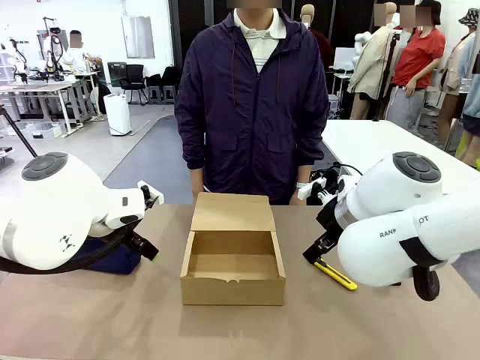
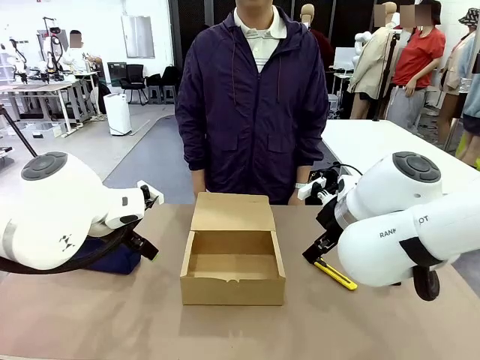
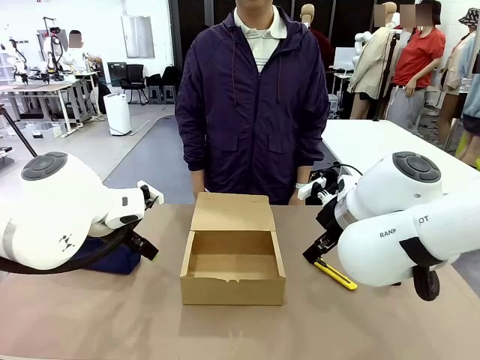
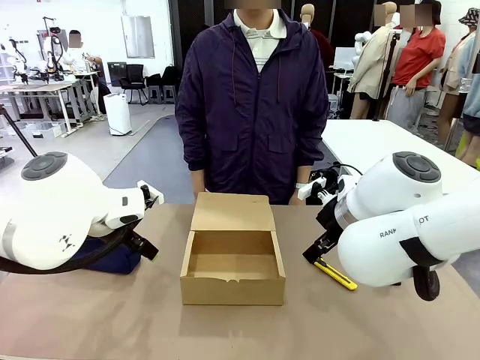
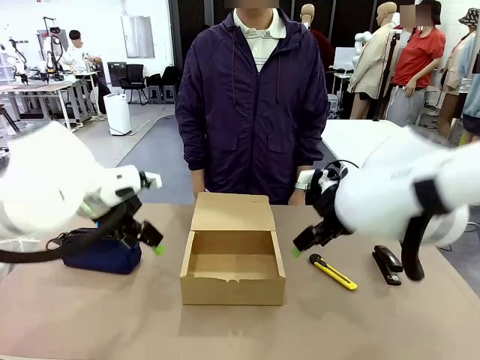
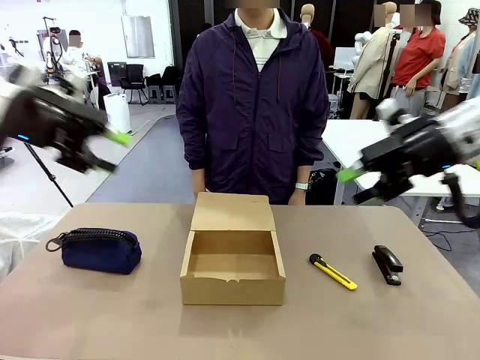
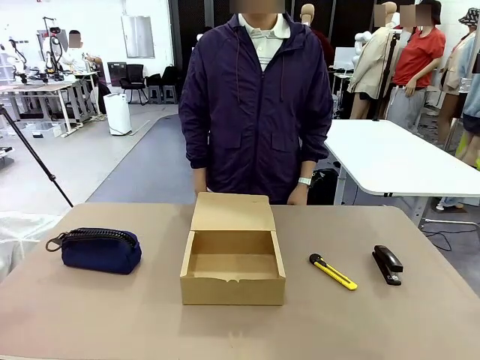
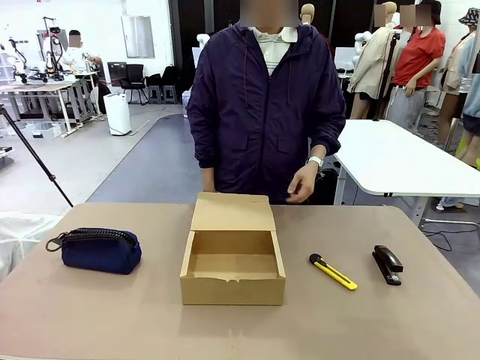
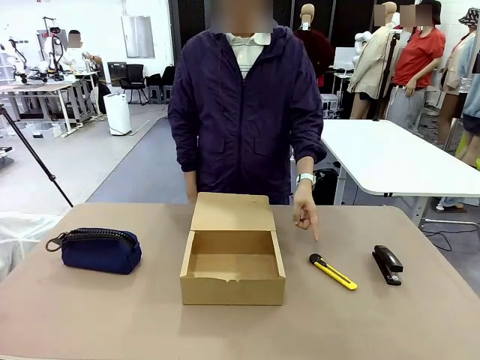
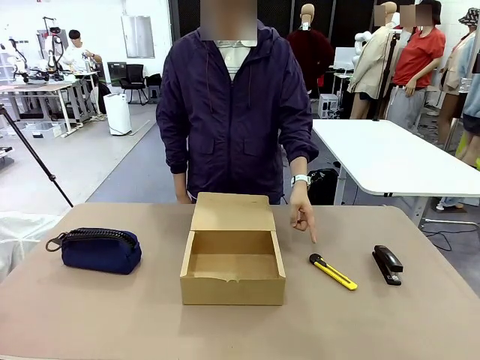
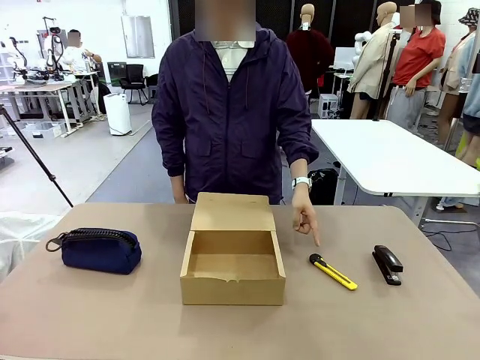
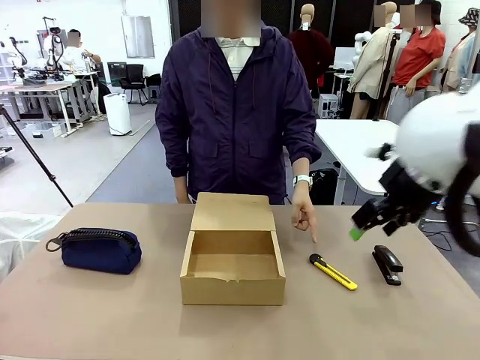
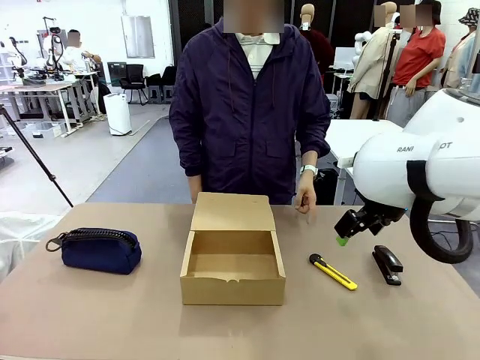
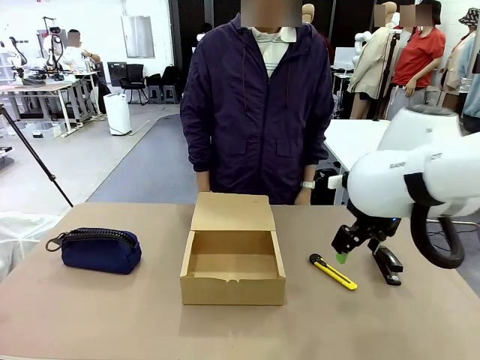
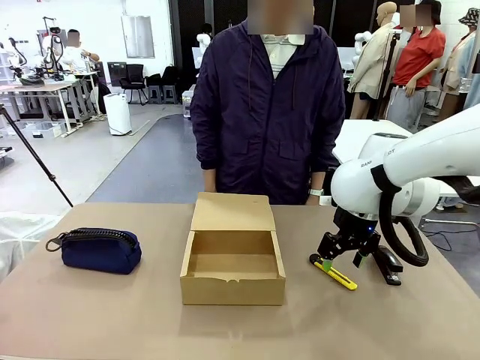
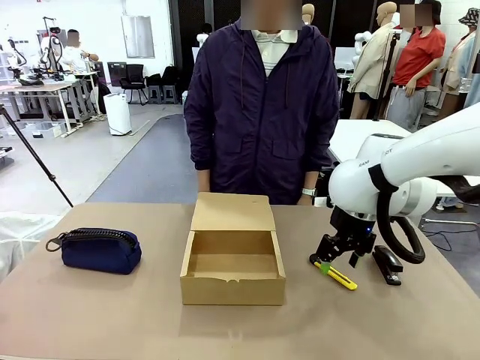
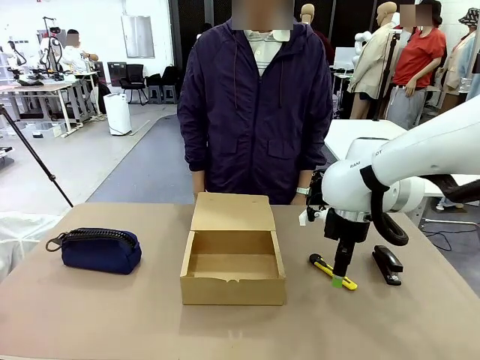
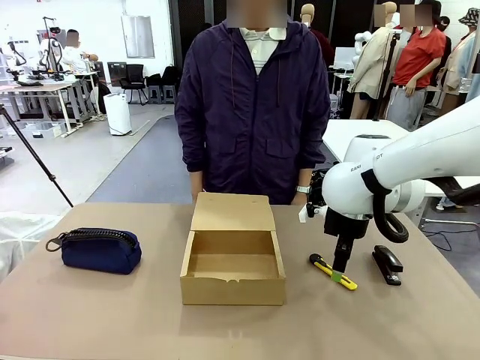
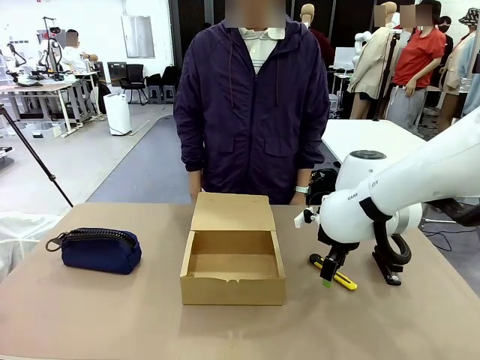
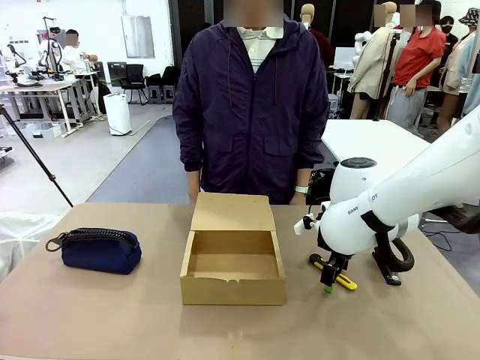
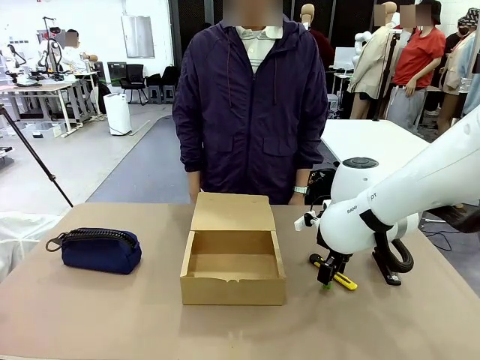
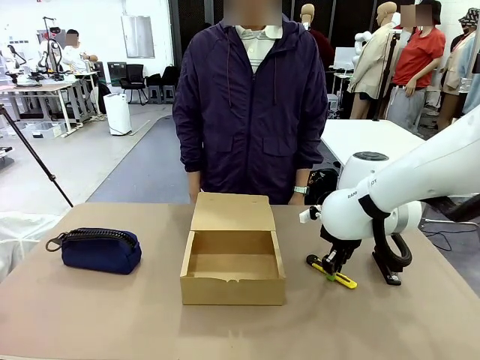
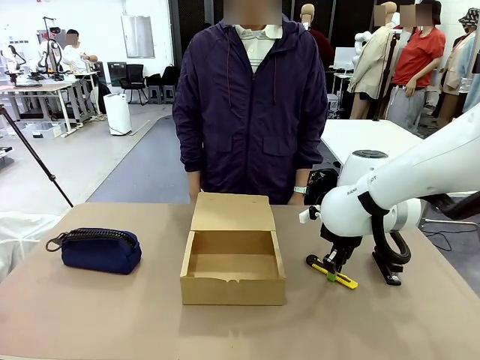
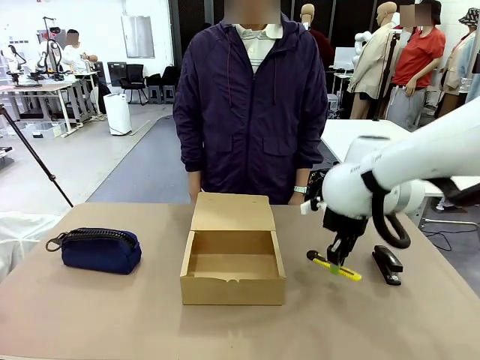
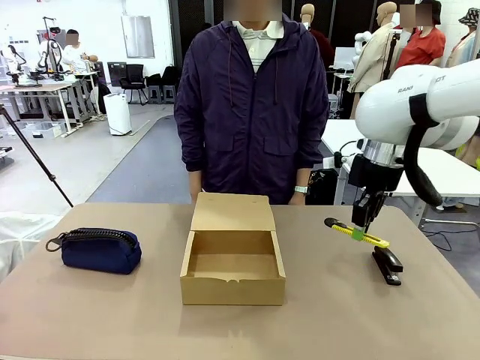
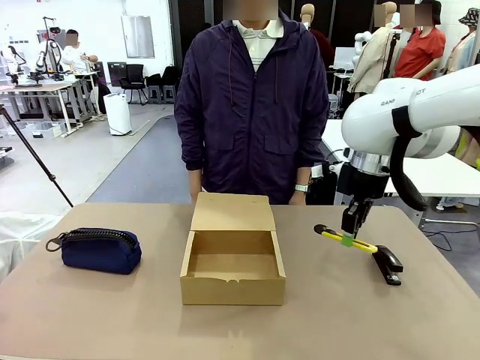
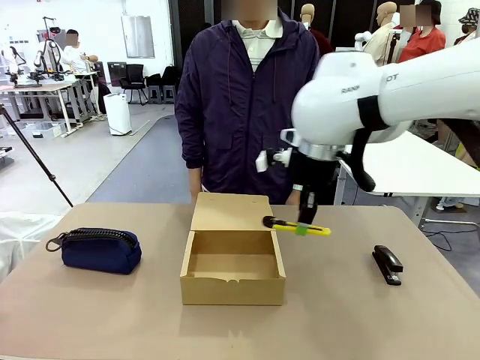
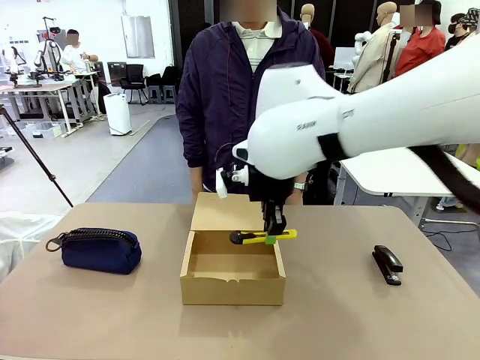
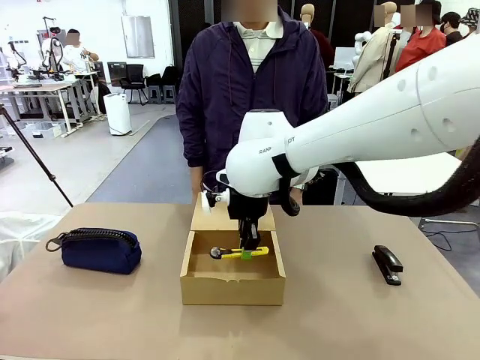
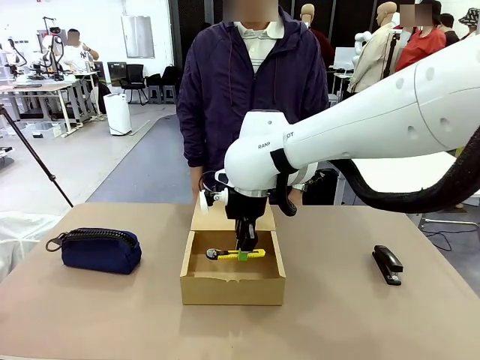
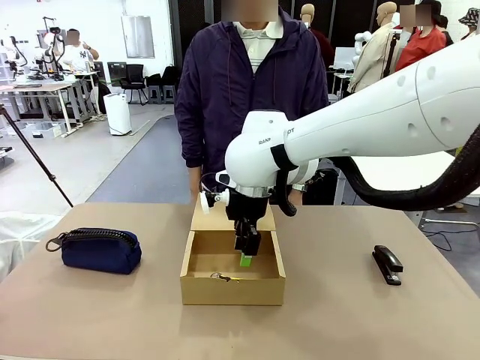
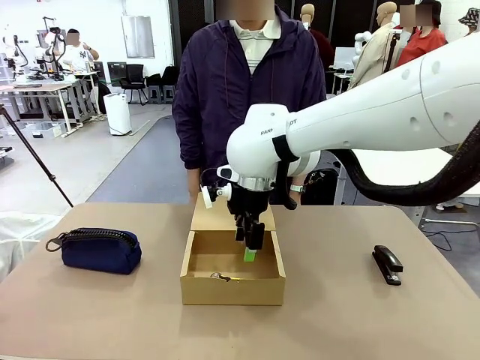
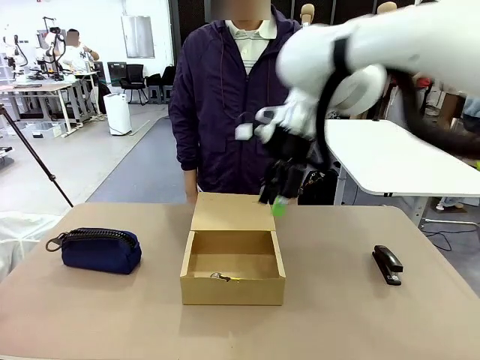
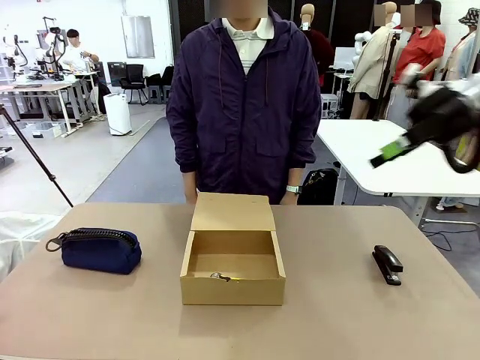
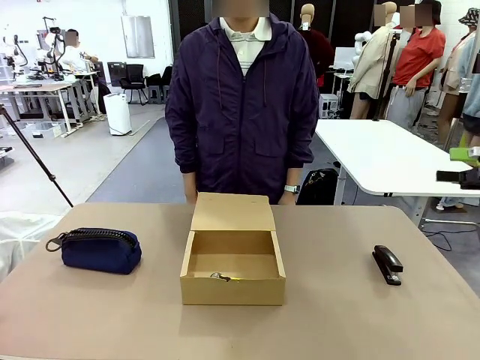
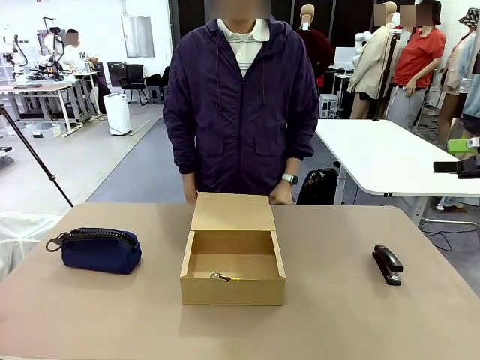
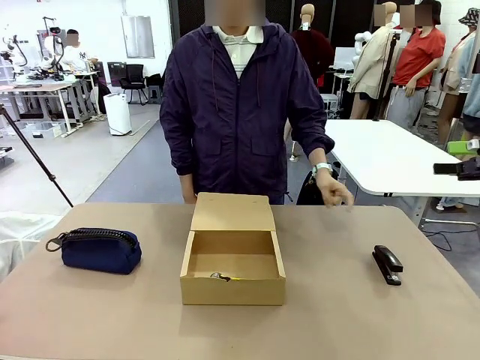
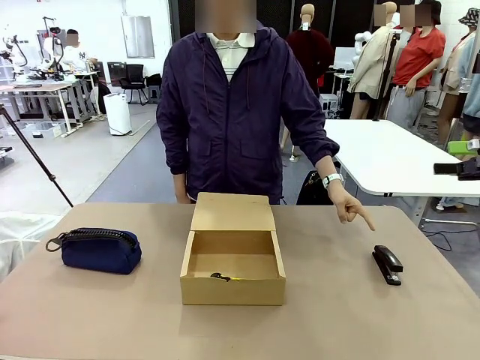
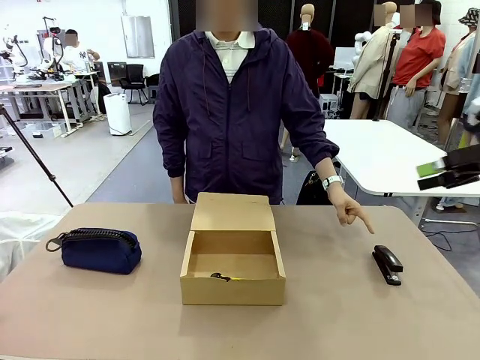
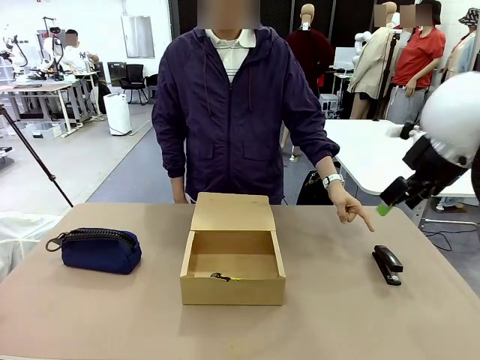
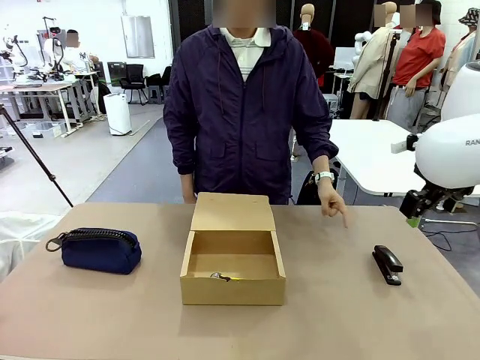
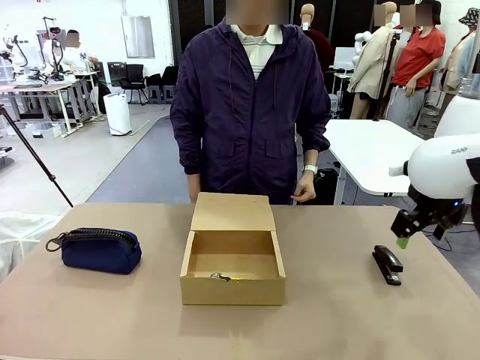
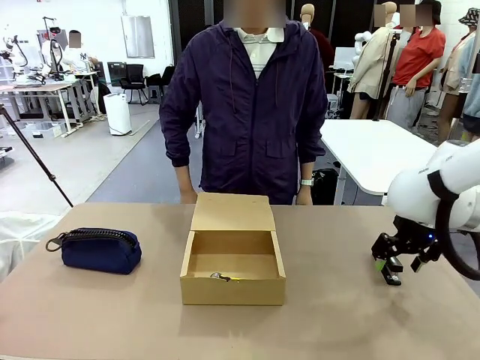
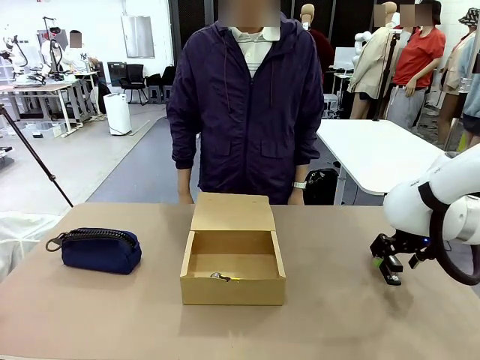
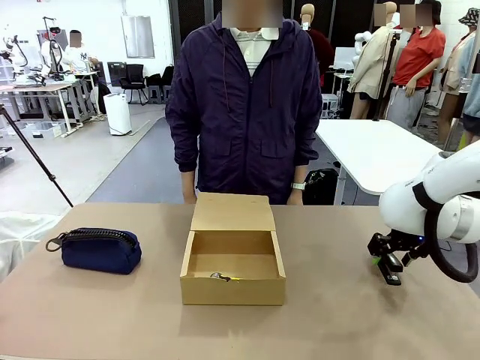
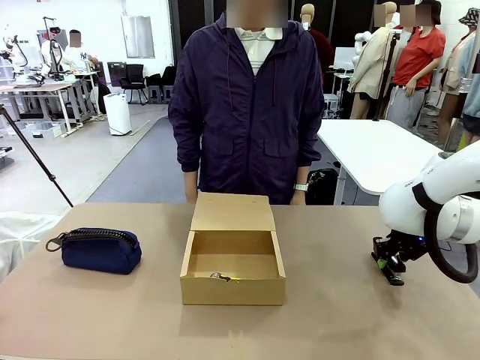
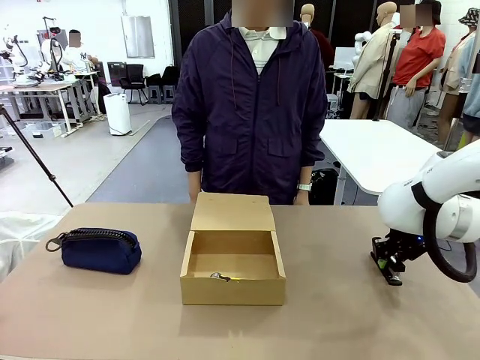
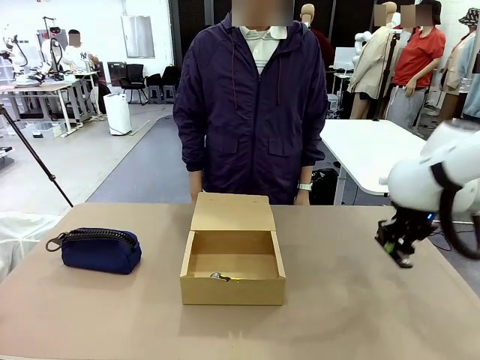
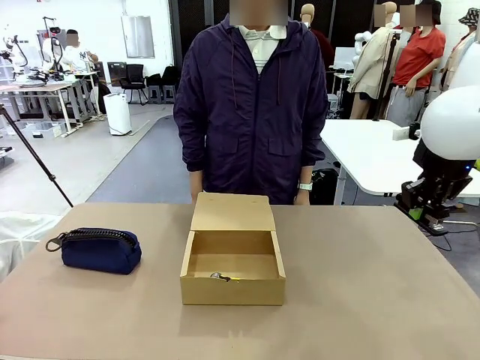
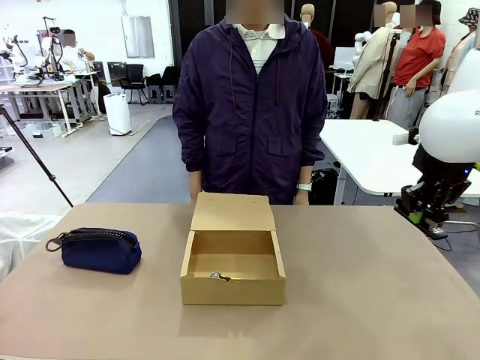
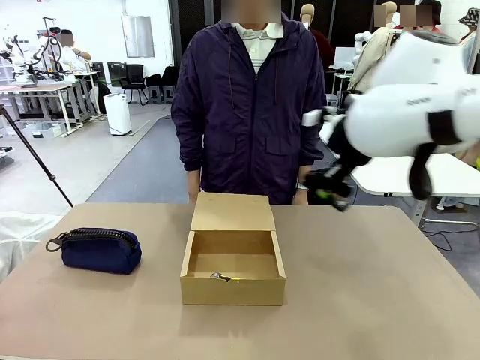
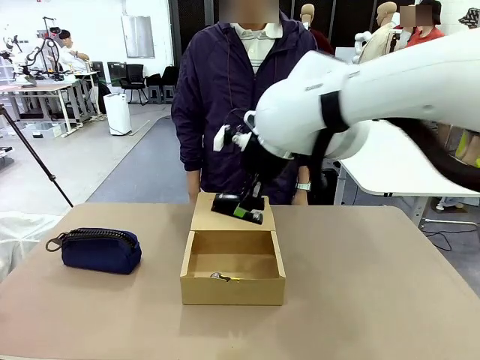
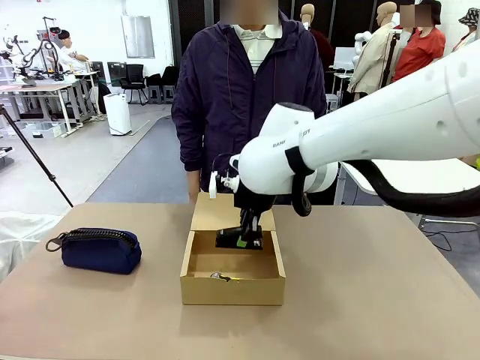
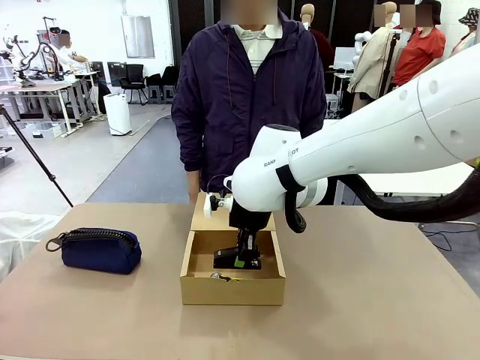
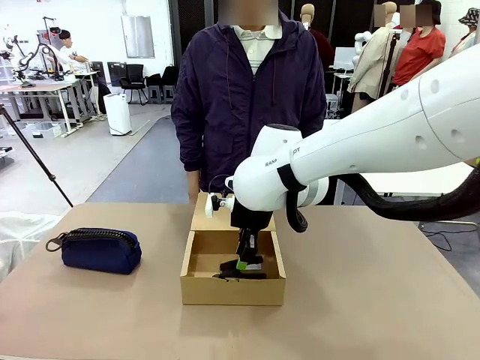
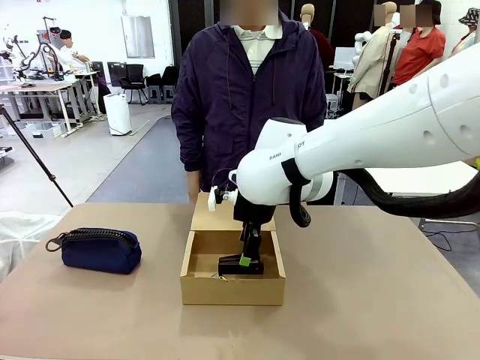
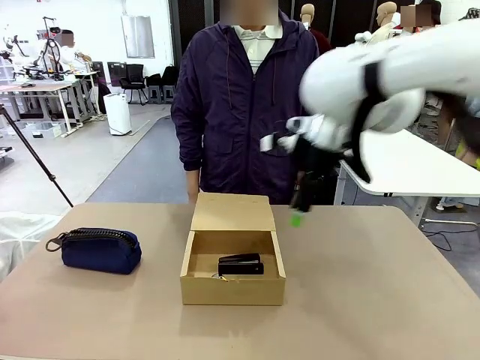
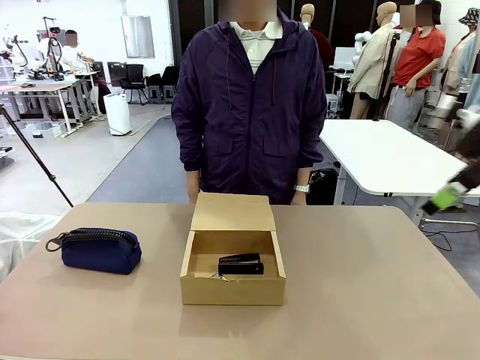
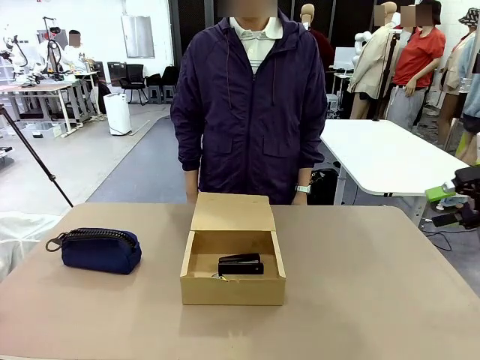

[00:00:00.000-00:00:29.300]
Task: Pack the items into the box.
Robot: Pick up the item specified by the human and place it in the Mailer Box.
Person: Point at one item on the table (excluding the box). Lower both hands vertically with palms facing downward, as if pressing something closed.
